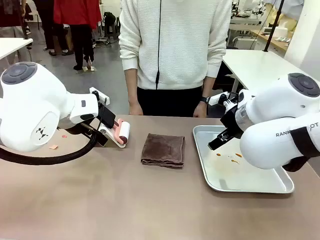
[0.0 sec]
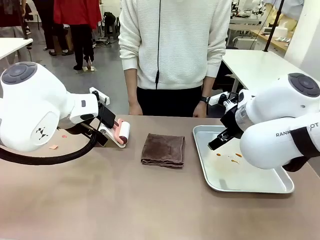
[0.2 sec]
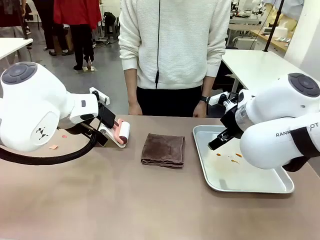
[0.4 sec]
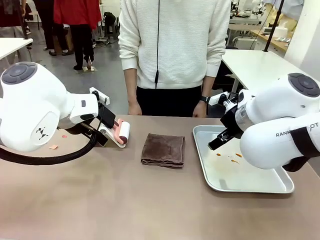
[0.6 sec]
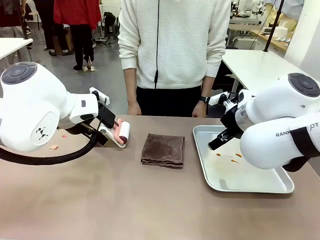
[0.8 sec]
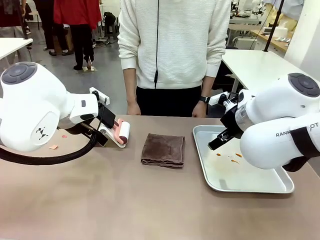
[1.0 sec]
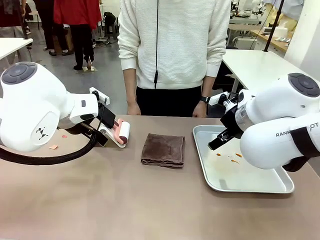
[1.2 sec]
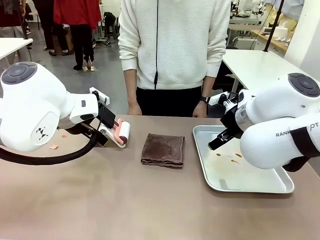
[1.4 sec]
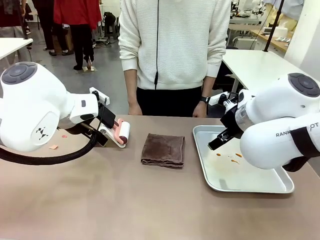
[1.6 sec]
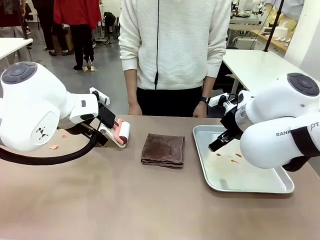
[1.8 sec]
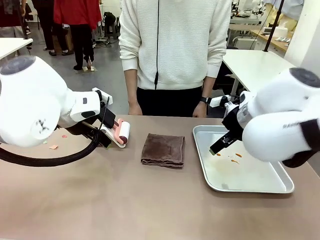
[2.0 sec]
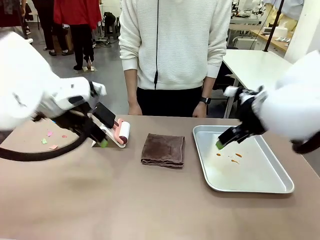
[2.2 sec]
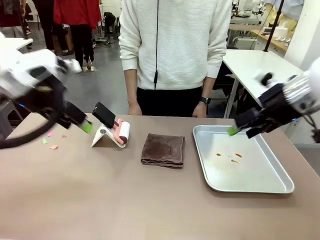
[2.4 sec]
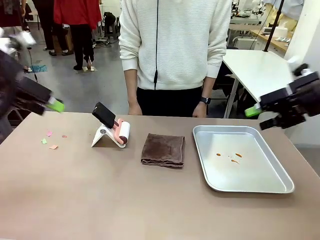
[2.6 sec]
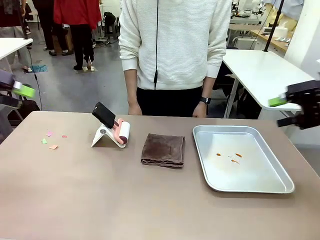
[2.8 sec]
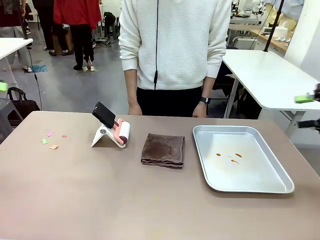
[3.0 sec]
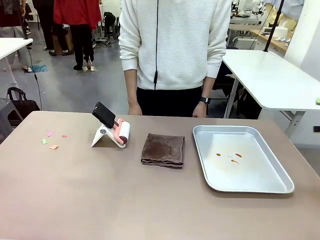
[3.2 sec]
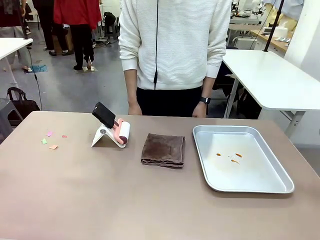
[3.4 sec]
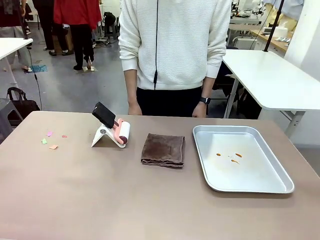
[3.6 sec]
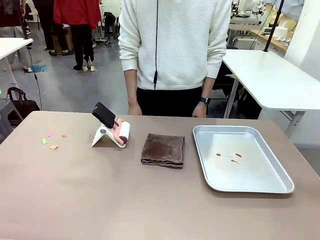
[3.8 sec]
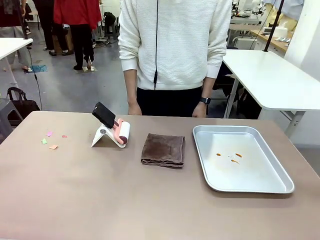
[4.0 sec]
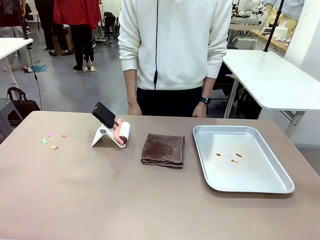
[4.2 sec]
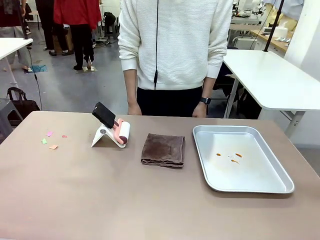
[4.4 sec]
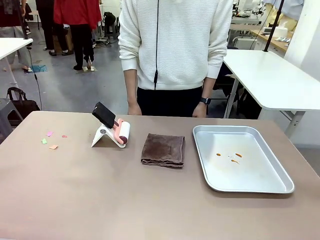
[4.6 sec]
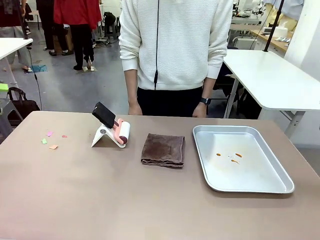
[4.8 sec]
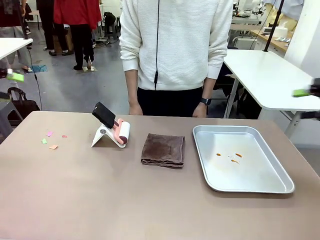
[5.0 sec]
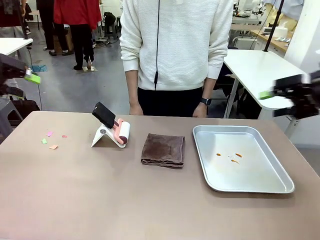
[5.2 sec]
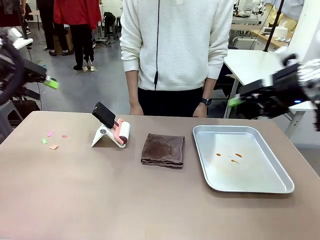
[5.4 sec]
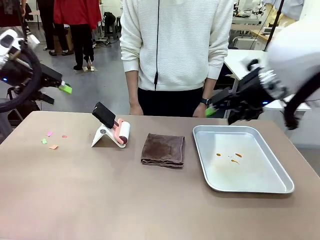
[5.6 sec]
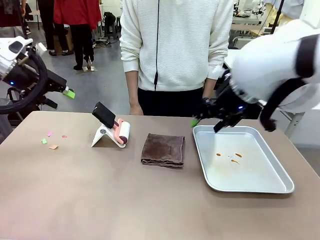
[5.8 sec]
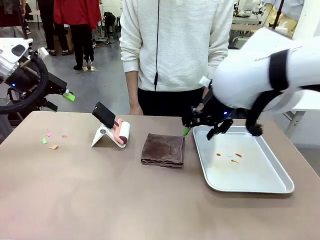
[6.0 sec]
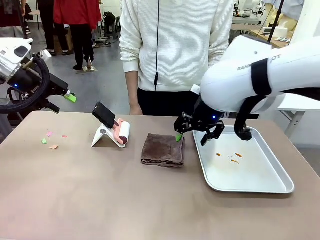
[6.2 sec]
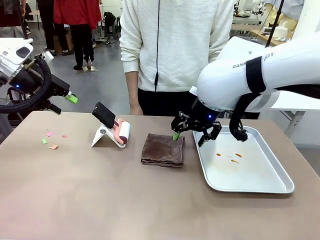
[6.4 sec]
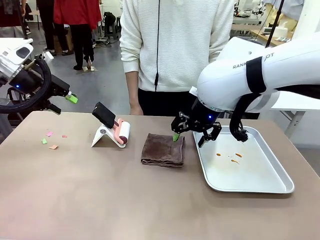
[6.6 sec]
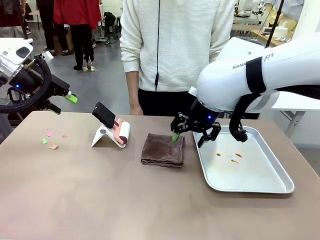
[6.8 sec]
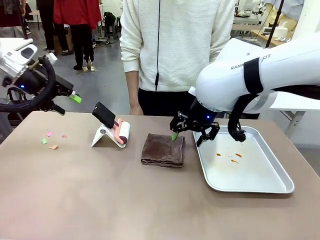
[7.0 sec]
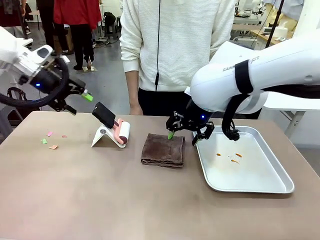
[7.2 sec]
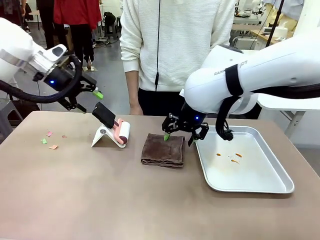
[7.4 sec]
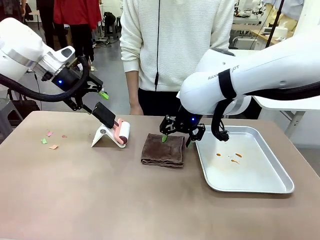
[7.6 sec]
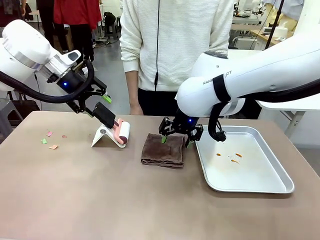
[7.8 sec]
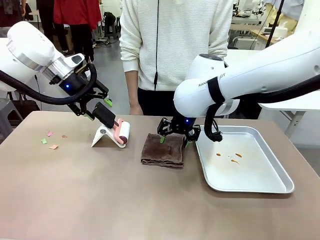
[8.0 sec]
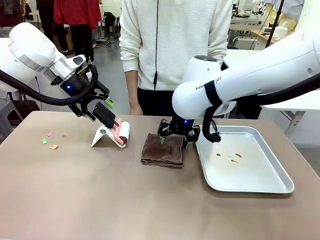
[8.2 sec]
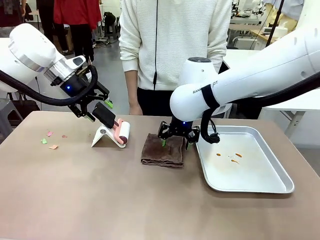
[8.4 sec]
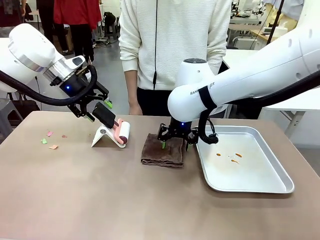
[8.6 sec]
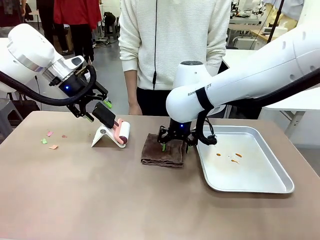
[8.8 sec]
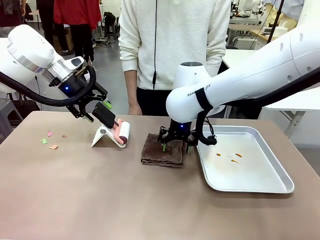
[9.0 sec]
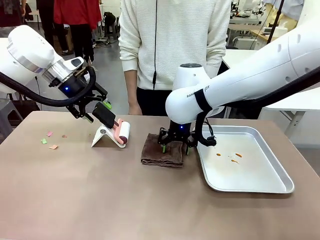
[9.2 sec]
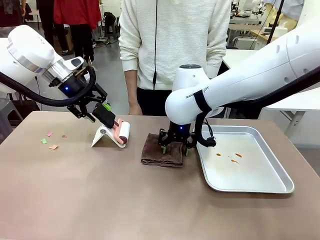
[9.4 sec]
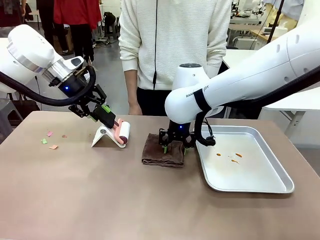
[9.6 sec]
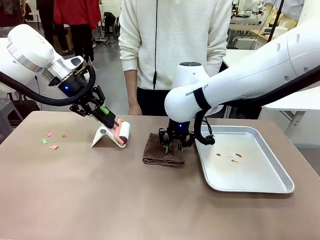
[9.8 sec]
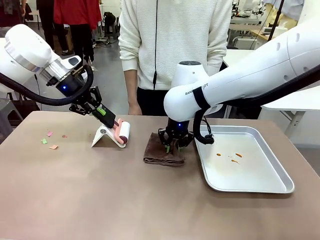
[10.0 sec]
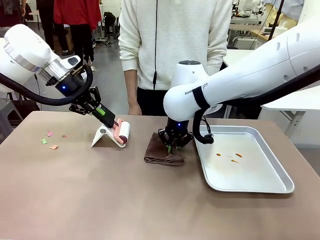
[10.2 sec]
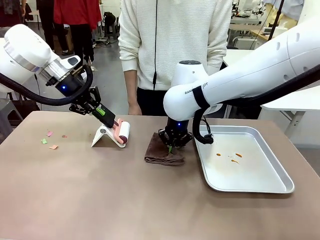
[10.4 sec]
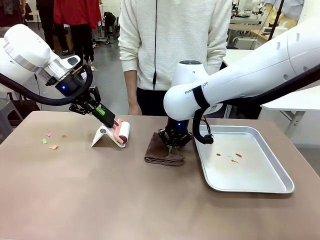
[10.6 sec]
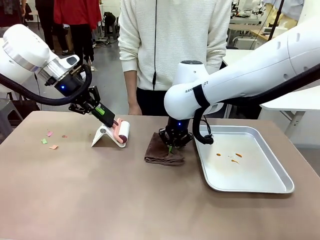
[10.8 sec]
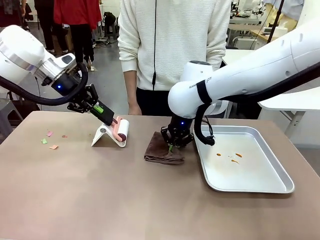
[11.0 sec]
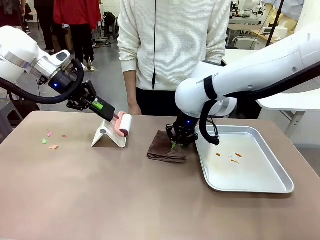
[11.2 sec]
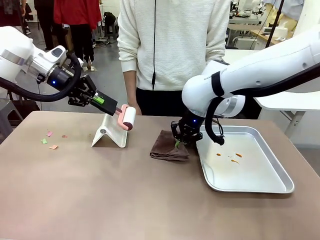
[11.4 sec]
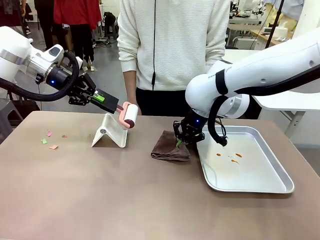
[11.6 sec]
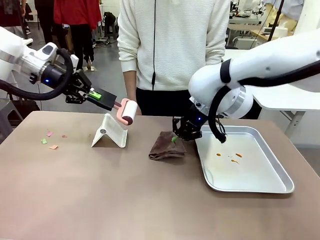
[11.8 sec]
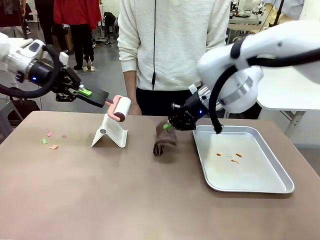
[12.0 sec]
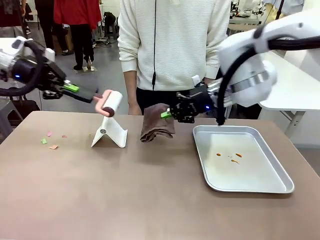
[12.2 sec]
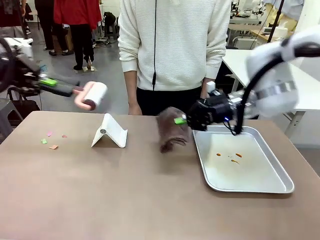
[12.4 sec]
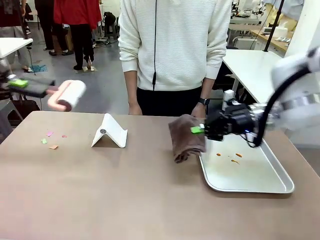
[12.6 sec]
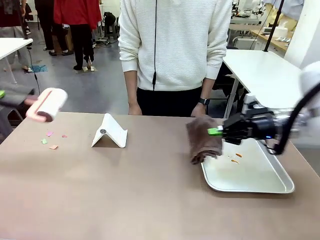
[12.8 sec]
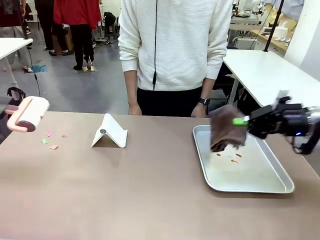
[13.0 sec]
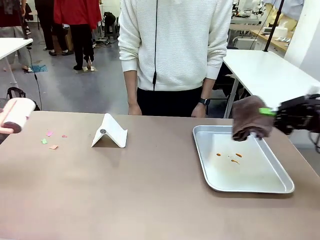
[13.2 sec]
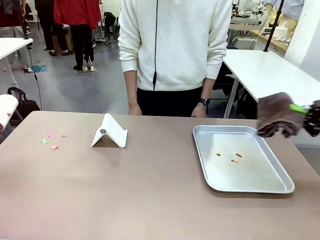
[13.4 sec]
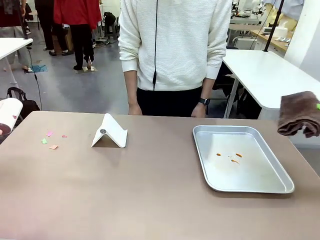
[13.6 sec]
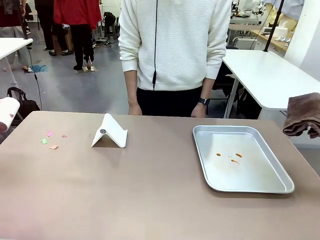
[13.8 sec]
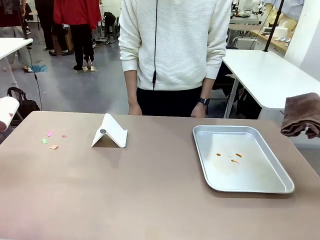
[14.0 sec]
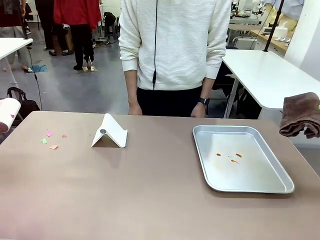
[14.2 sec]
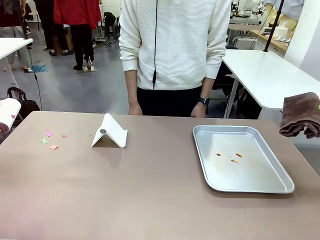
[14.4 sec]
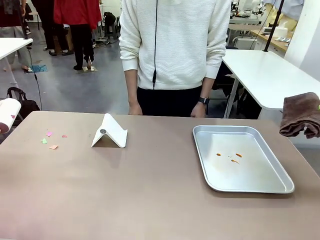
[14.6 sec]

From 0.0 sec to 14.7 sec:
Task: Clean the surface of the table.
Robot: Hold the Lint Roller with your left hand and the towel with your right hand.

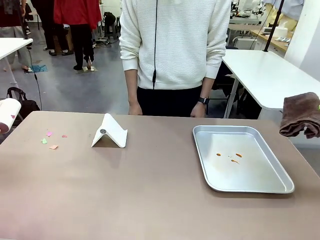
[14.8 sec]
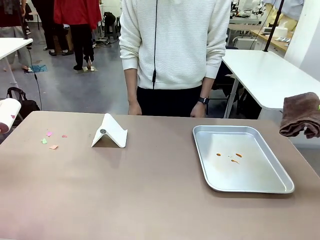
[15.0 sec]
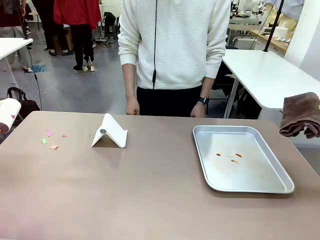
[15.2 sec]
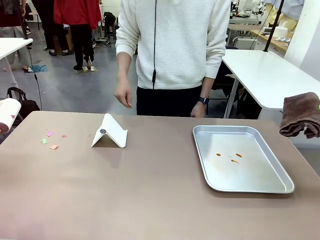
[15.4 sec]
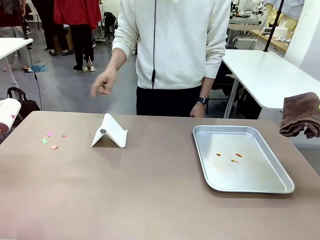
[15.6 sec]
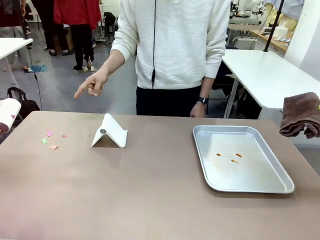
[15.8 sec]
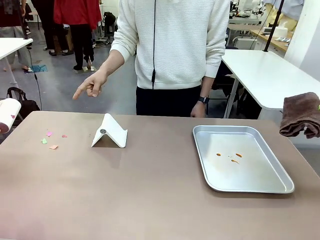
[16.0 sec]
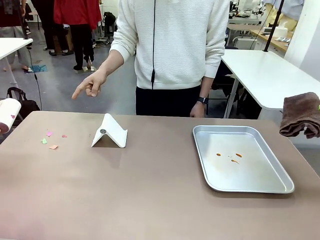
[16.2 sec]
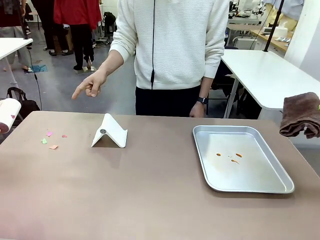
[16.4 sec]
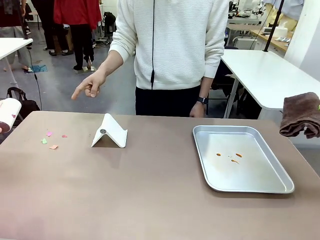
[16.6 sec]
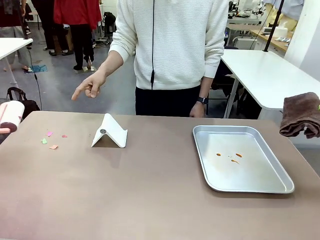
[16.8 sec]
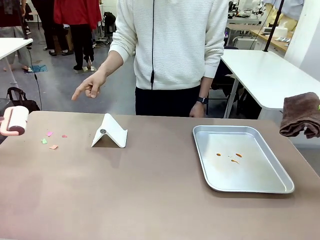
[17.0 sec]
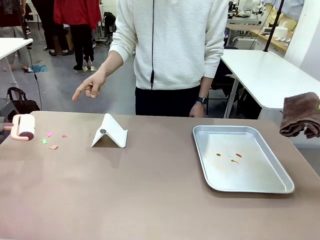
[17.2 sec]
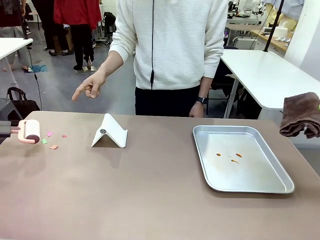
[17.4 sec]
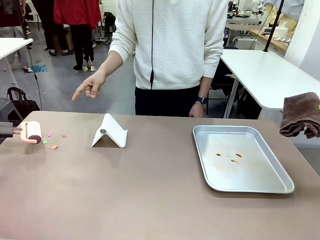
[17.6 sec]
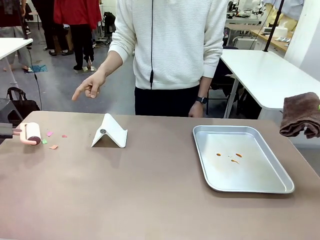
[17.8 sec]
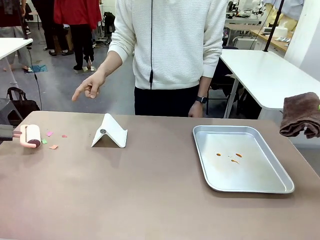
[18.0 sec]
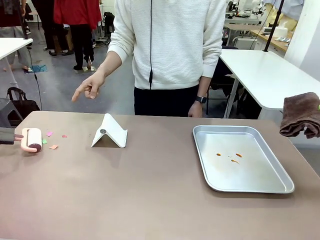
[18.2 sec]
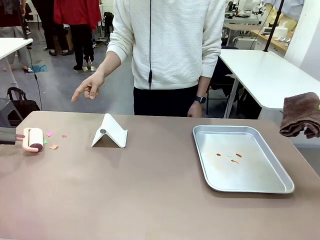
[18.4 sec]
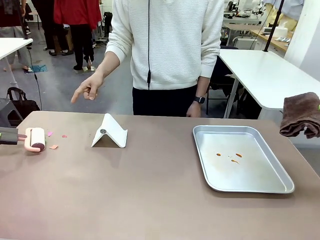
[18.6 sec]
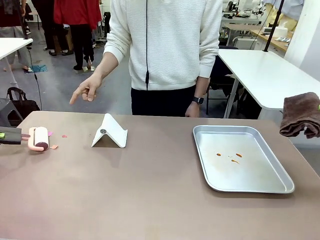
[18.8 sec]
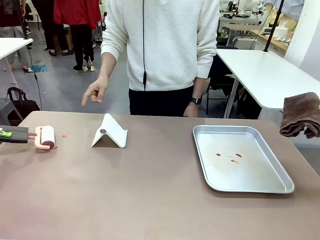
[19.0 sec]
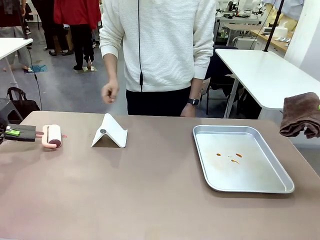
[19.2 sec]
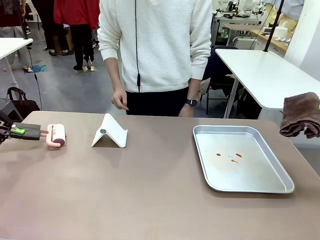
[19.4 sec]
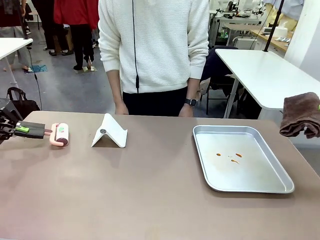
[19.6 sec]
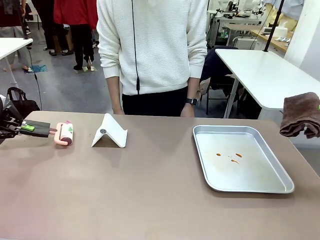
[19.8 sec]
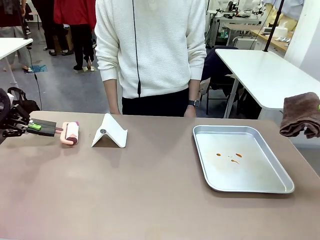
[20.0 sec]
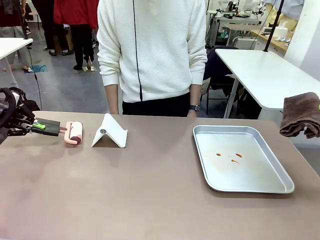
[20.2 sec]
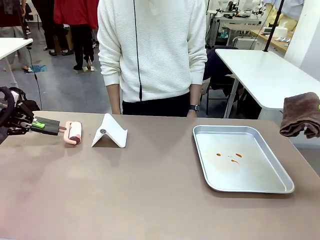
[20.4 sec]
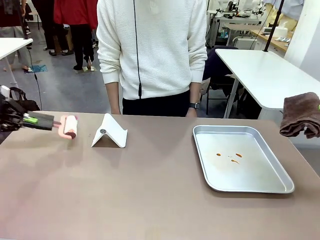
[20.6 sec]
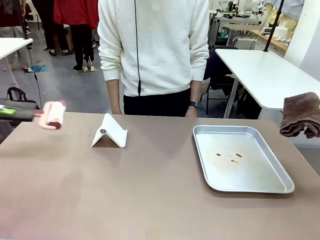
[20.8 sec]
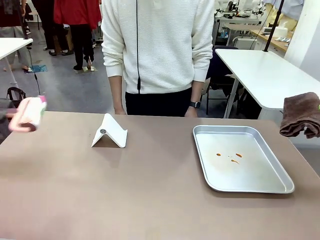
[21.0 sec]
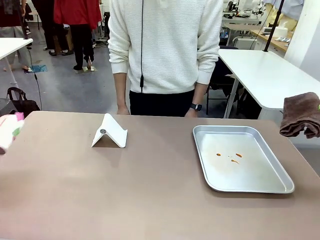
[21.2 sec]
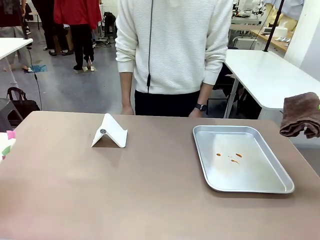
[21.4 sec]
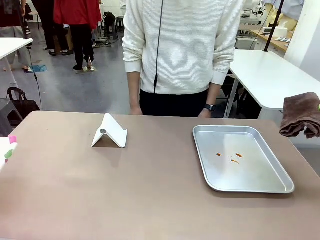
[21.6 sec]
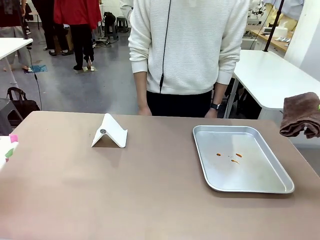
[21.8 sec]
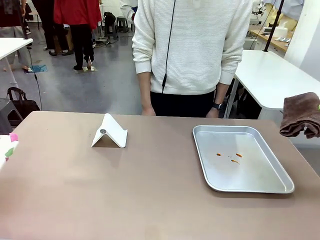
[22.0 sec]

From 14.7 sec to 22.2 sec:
Robot: If a person points to the right, clean the right side of the table with your right hand, and if they point to the left, clean the left side with your left hand.
